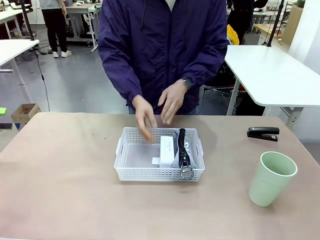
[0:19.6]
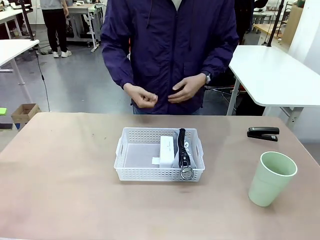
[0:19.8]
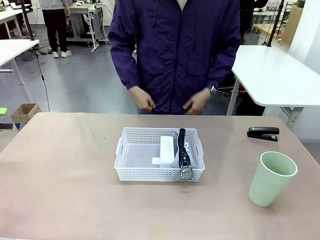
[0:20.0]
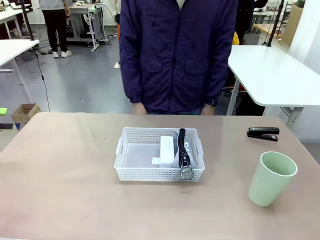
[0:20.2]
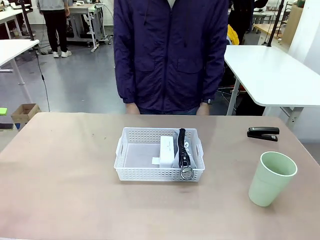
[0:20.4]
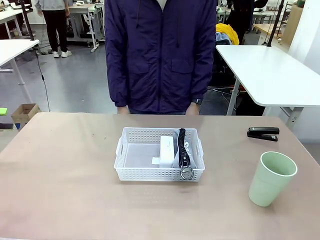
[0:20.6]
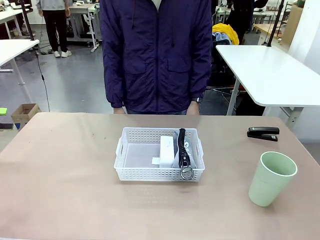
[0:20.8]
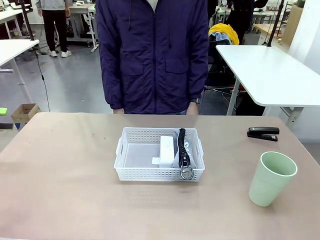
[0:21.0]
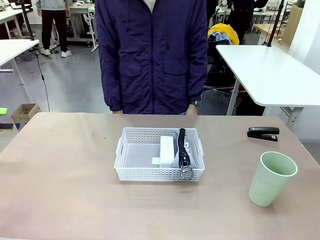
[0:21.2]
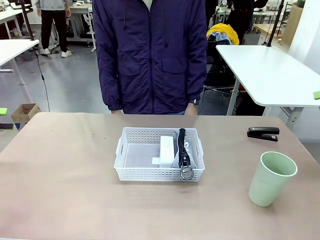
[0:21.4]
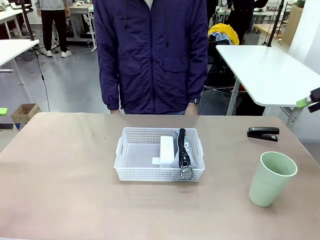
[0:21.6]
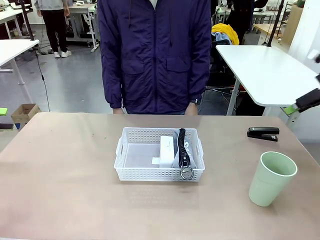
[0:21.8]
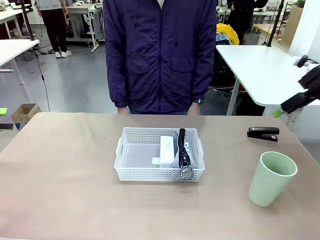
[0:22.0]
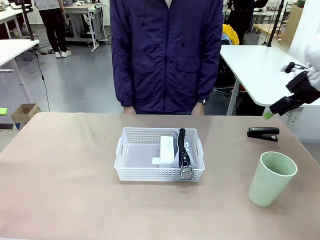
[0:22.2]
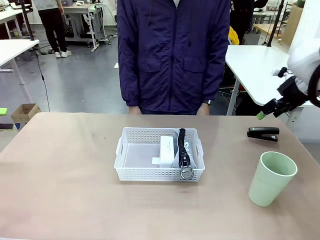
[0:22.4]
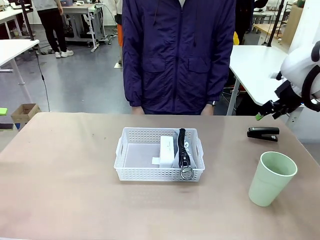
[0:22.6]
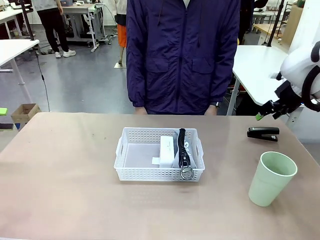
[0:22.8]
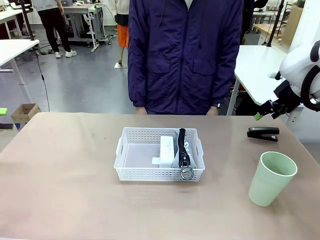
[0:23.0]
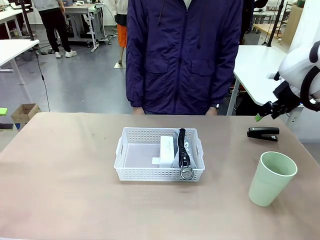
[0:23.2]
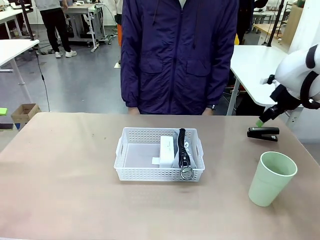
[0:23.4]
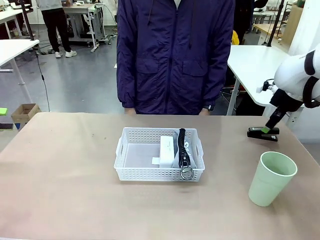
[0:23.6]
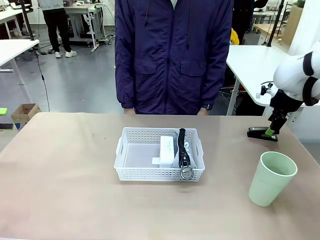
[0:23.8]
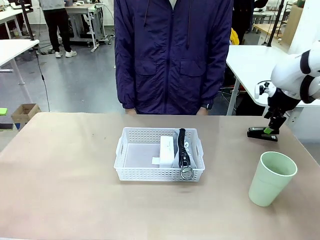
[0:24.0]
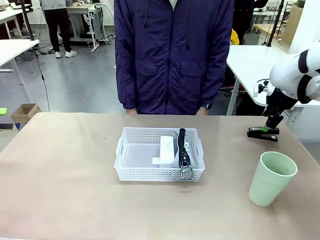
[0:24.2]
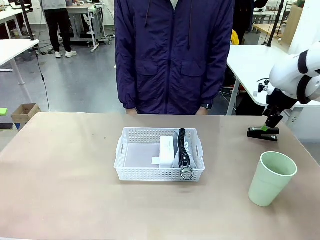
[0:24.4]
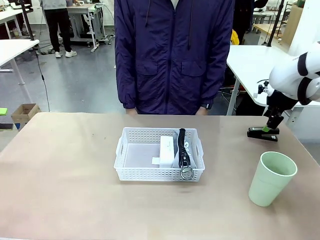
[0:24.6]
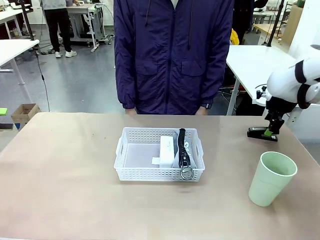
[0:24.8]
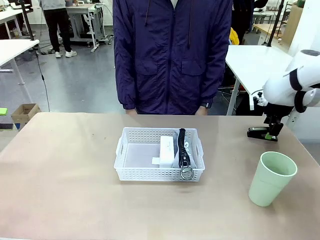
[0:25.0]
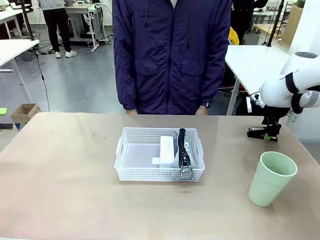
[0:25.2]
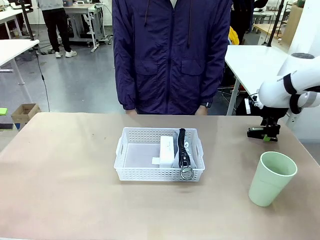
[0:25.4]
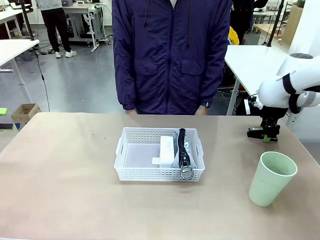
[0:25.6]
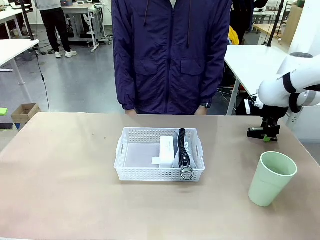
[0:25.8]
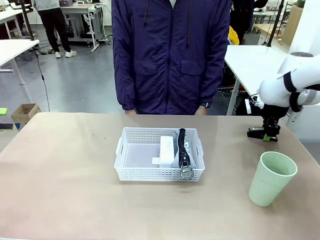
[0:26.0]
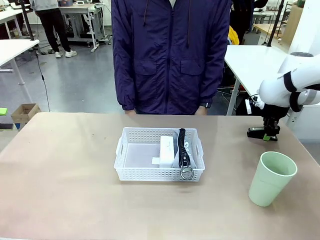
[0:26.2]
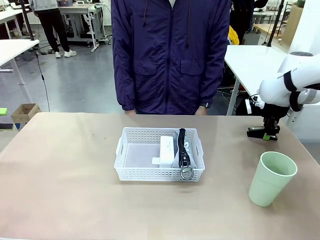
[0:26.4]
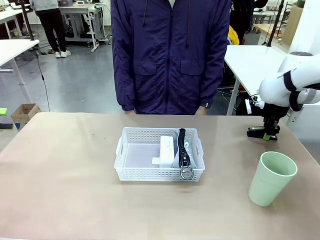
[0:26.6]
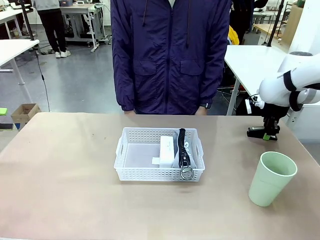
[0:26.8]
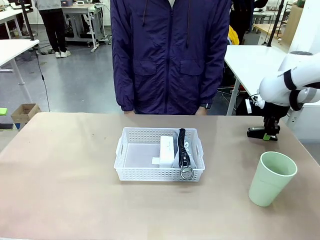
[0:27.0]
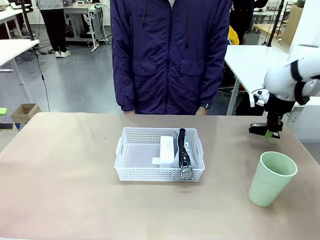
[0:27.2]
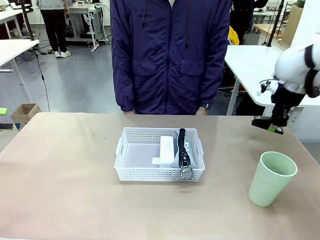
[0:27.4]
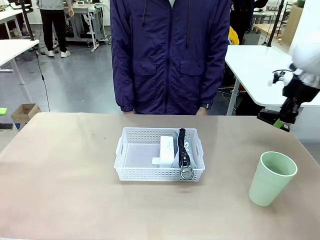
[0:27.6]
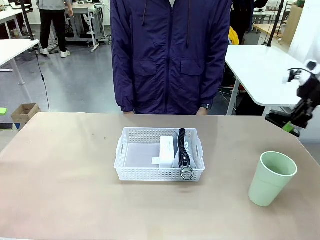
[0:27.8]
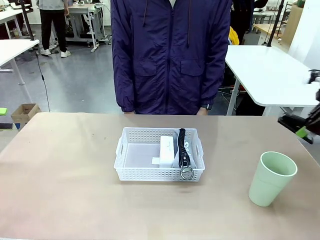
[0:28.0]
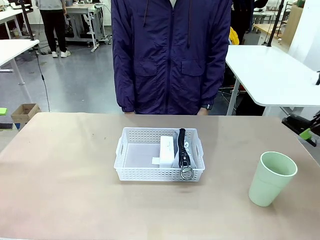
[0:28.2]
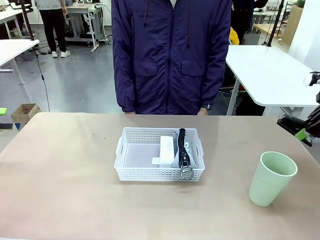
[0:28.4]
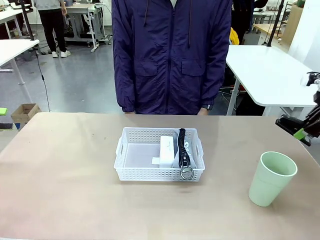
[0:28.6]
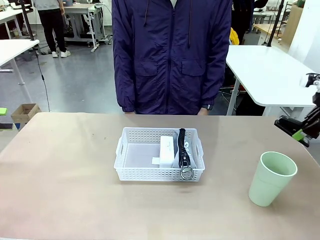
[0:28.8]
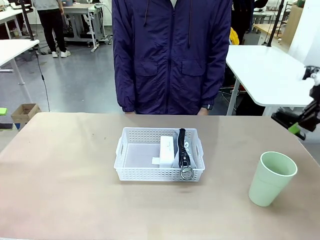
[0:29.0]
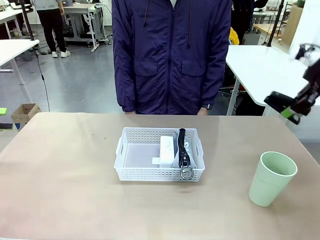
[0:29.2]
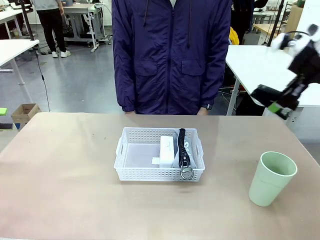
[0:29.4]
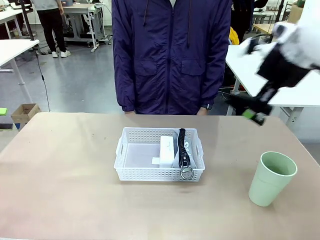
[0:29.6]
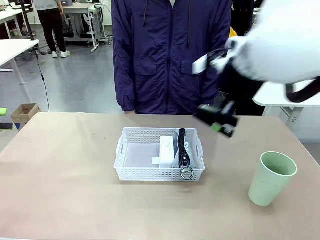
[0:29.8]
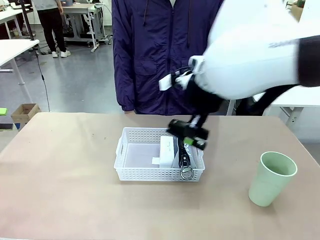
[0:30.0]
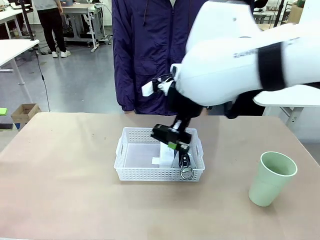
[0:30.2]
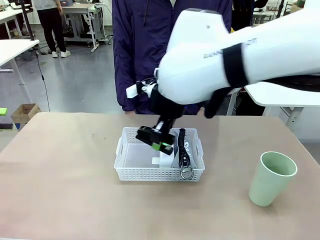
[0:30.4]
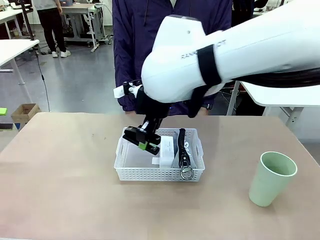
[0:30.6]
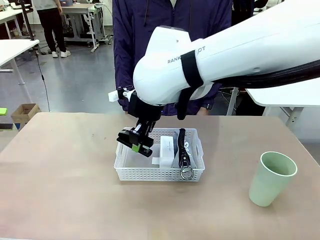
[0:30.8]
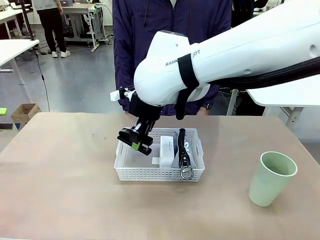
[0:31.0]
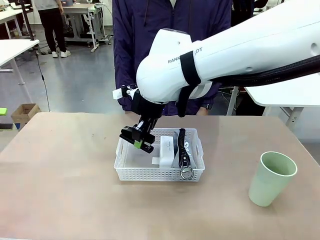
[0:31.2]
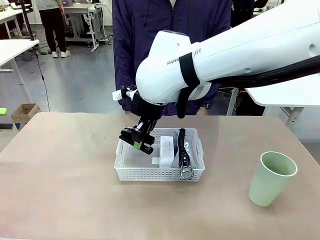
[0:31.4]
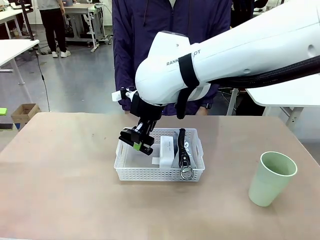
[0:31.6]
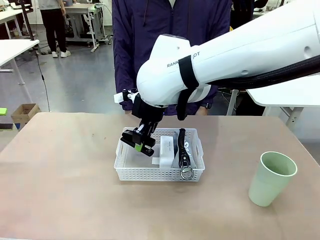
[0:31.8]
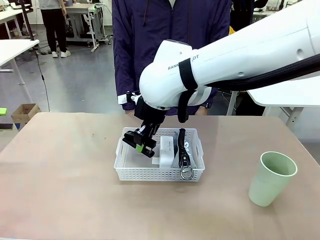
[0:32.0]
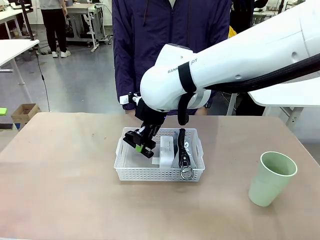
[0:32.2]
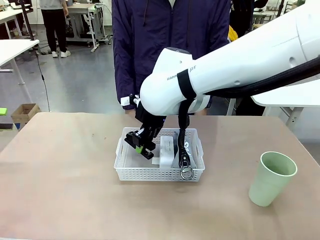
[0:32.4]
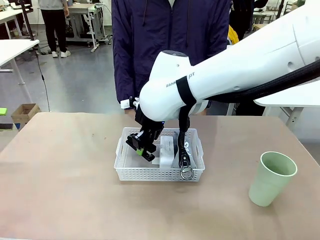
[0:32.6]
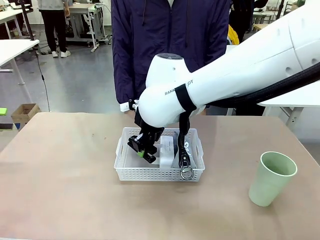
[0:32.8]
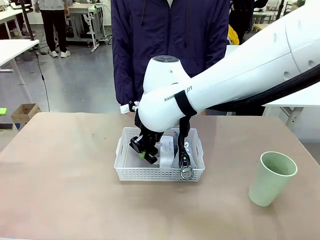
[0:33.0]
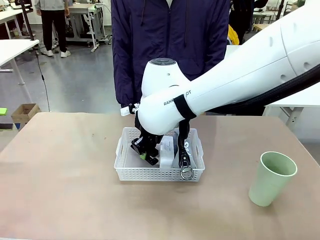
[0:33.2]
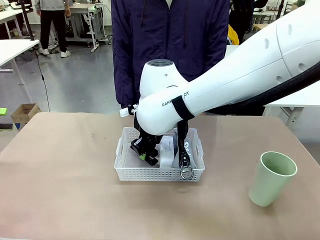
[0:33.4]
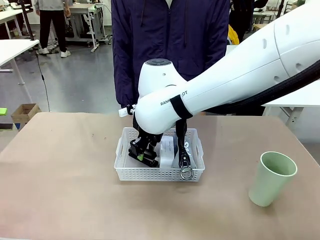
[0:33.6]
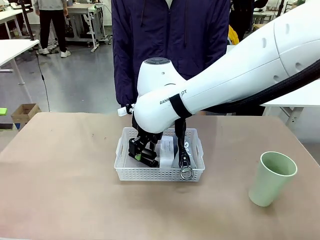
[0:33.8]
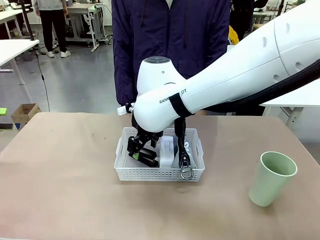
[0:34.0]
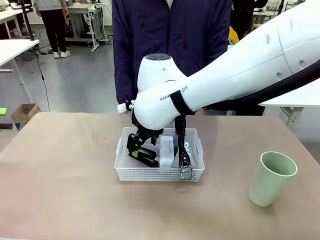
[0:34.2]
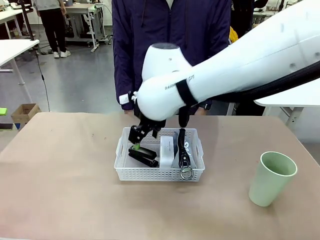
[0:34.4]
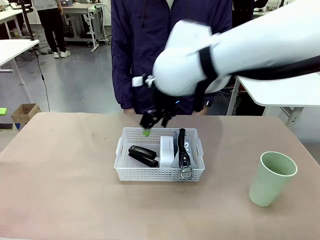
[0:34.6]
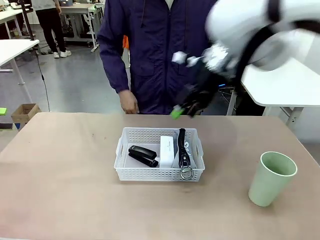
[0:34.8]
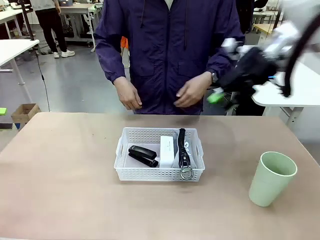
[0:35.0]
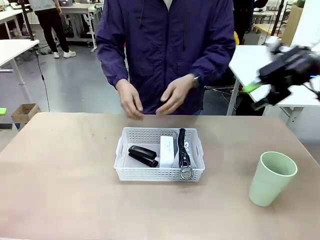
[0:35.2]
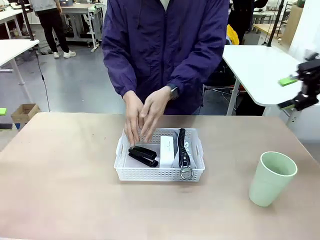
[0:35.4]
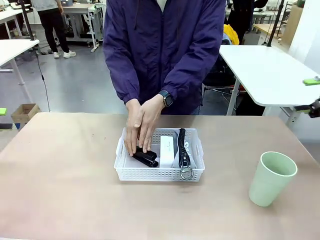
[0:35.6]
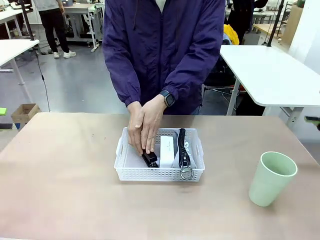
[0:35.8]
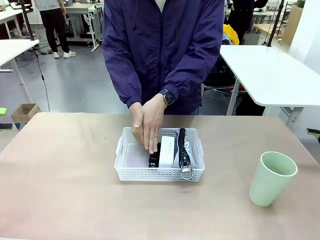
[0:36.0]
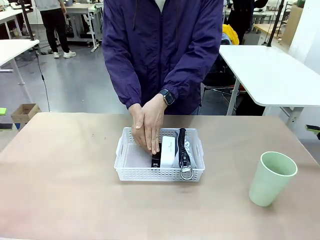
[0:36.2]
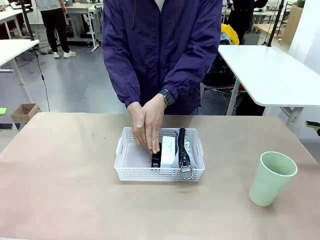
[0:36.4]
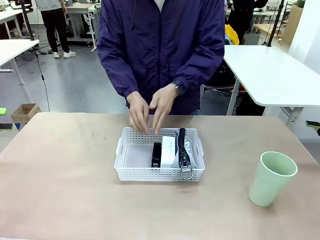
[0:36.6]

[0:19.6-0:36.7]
Task: Efficiently arrange items inside the basket to fit them all.
Robot: Pick up the Stapler and place it inside the Organizing basket.
